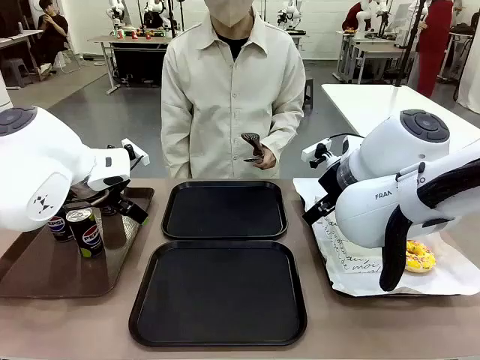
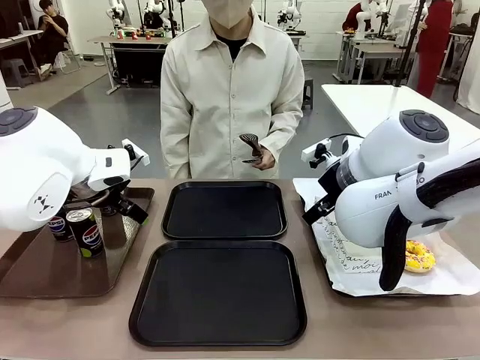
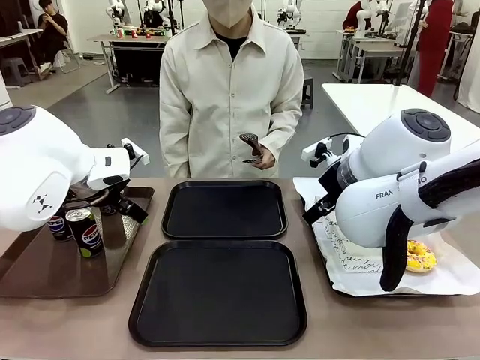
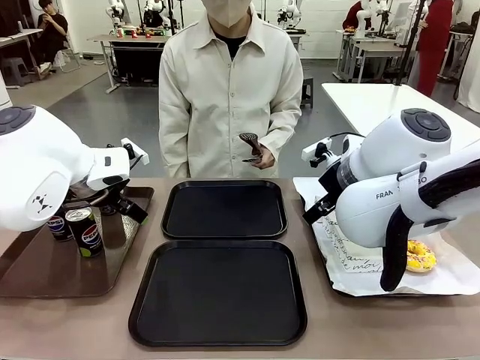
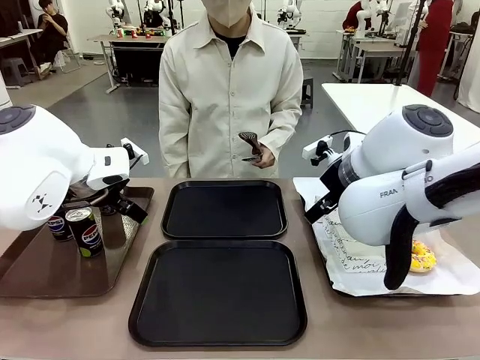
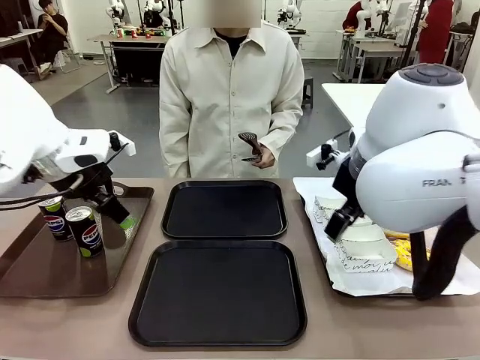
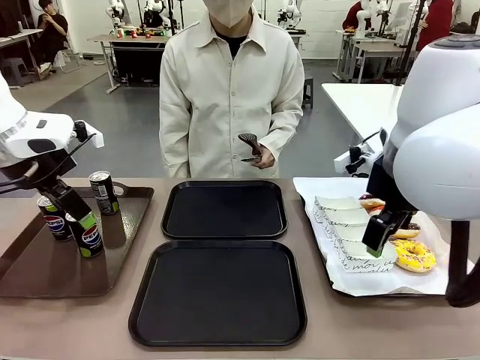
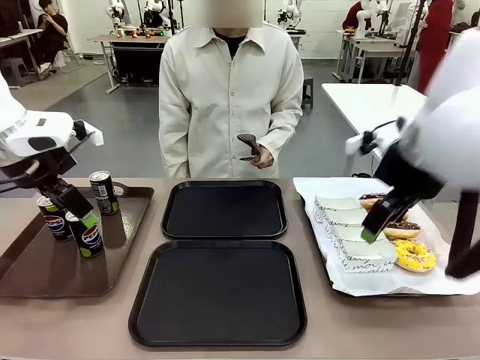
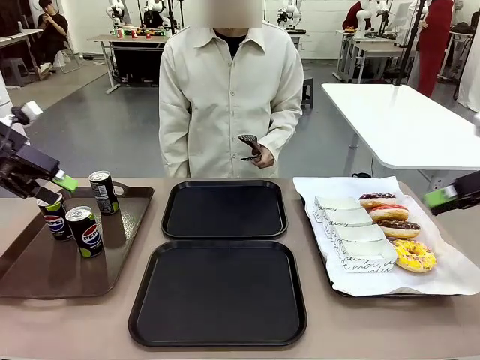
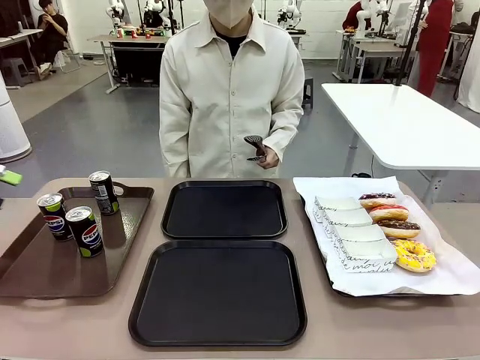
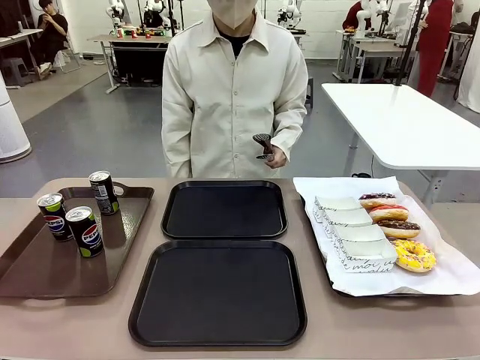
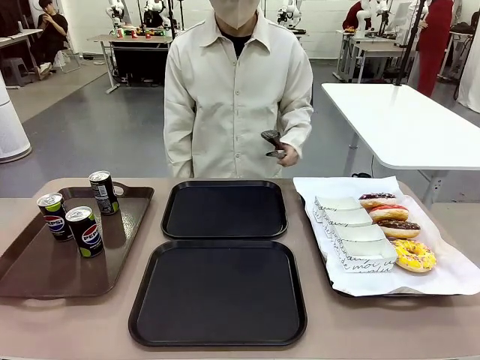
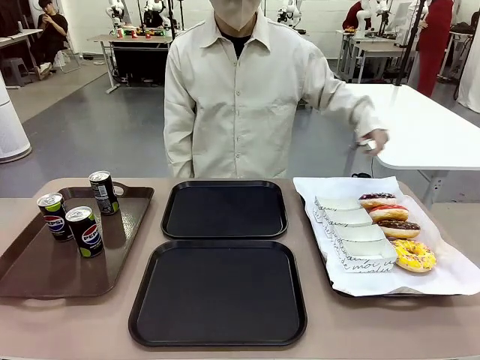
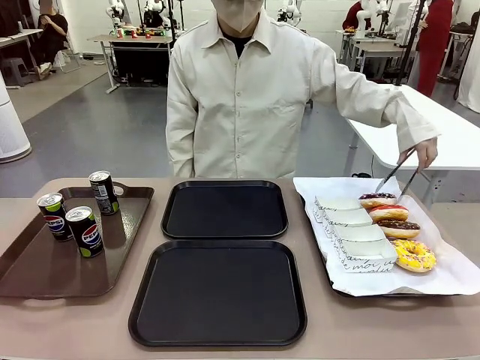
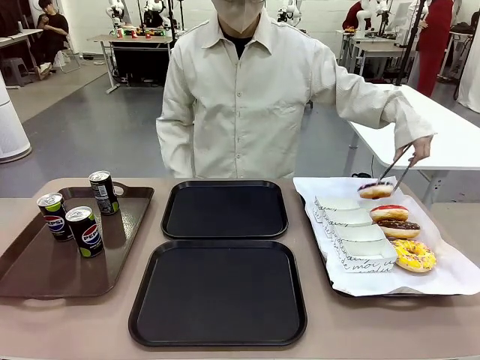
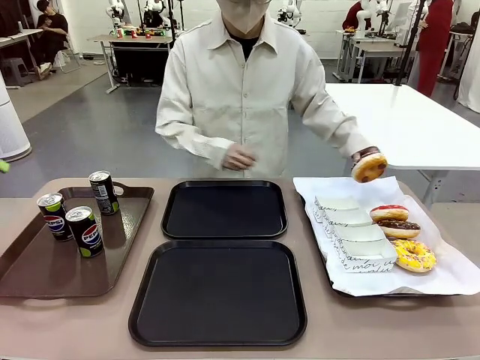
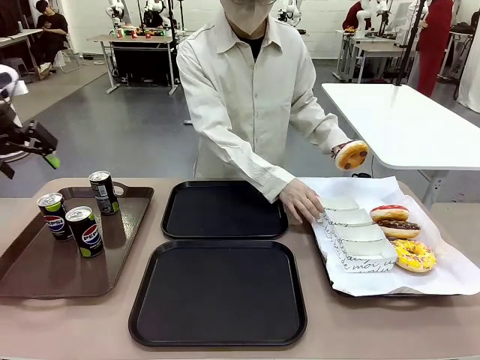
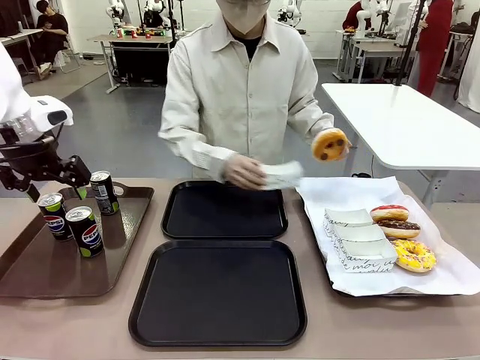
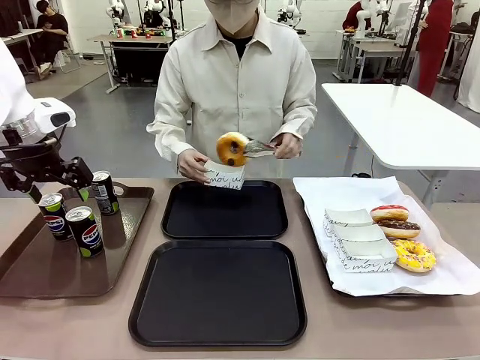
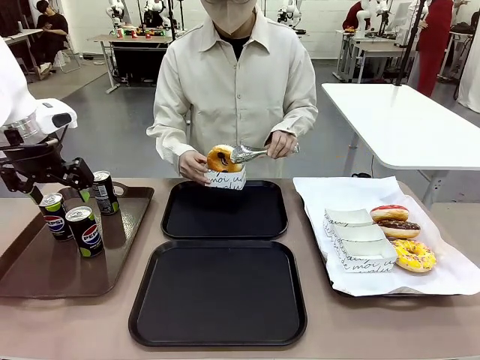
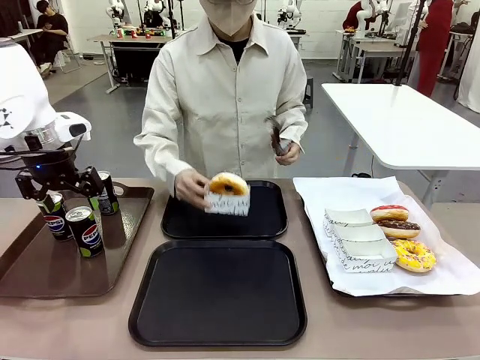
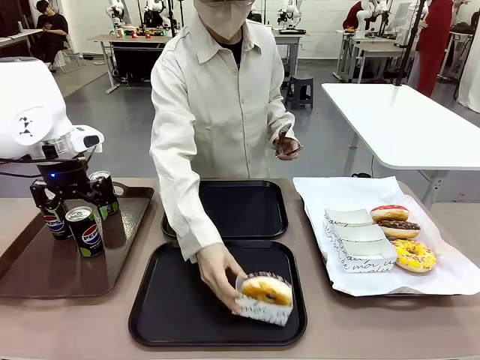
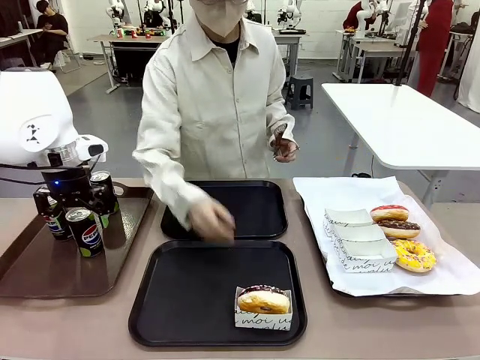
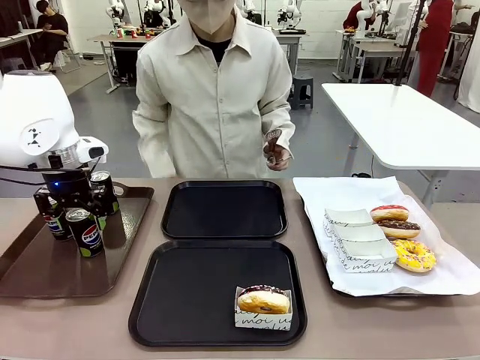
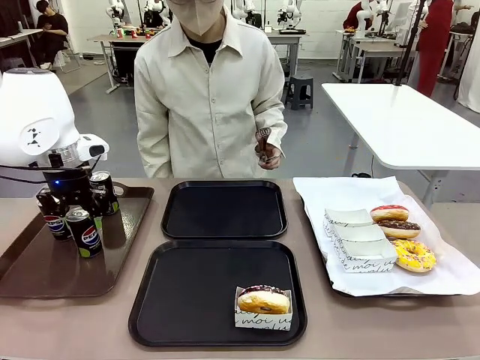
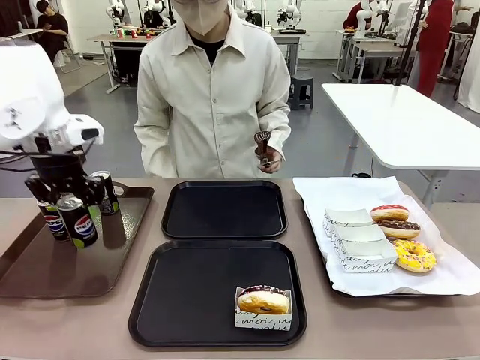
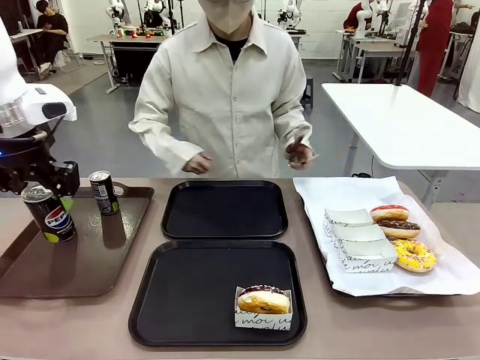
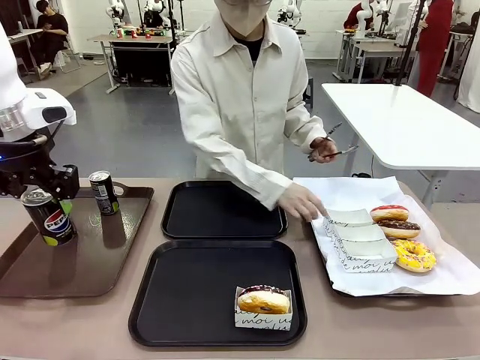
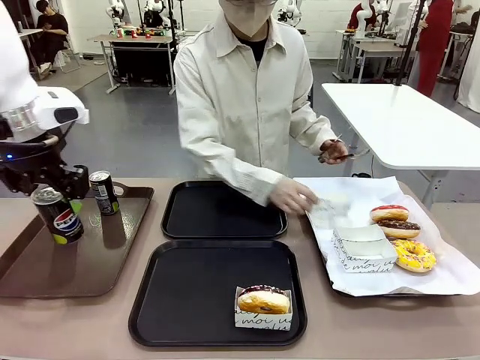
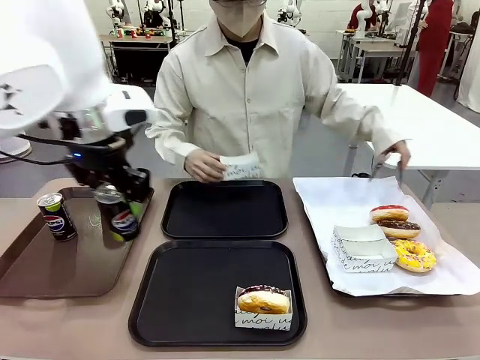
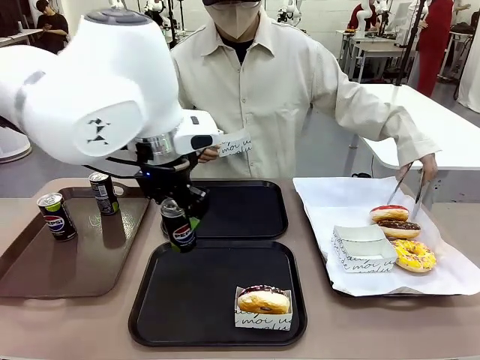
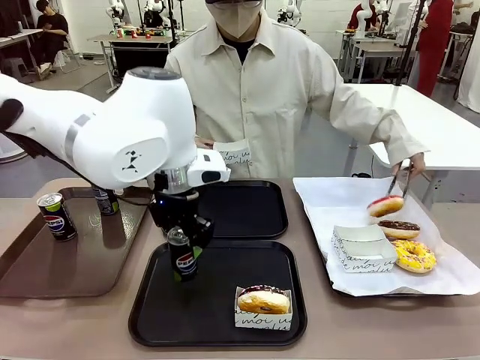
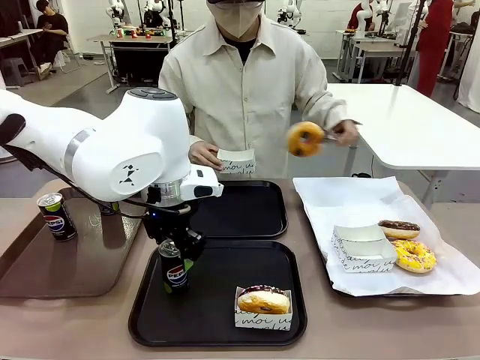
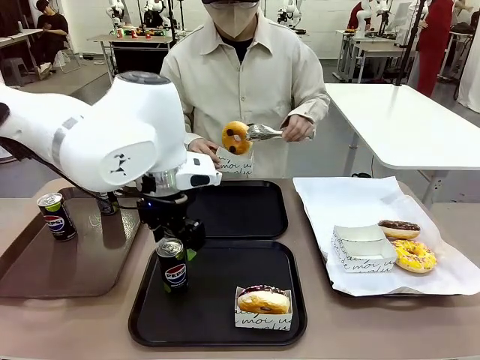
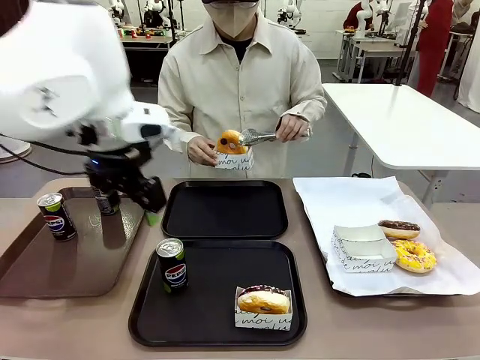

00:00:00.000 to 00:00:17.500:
Task: Set up donuts and drinks on trays.
Robot: Pick up one Pepsi coke and place it on the Flat Tray.
